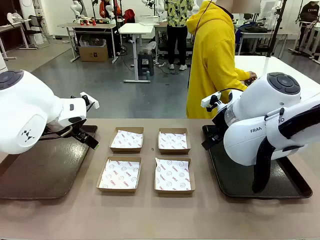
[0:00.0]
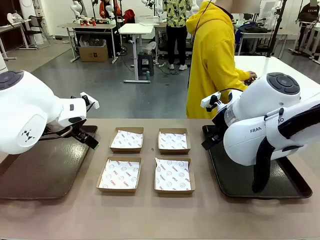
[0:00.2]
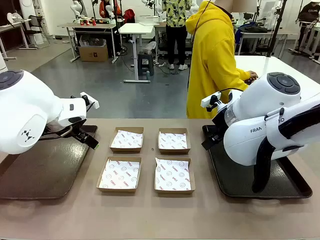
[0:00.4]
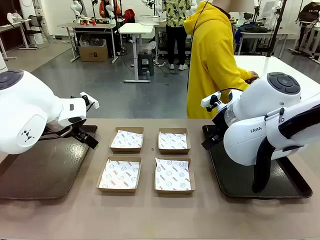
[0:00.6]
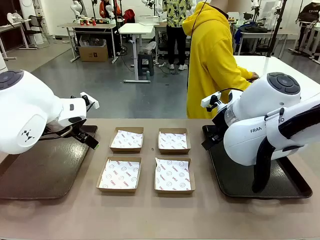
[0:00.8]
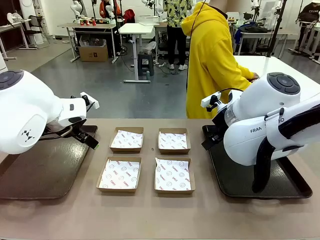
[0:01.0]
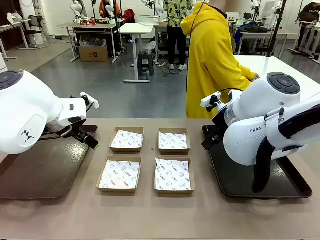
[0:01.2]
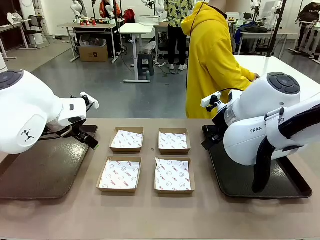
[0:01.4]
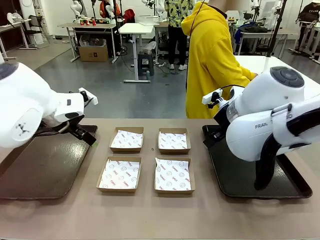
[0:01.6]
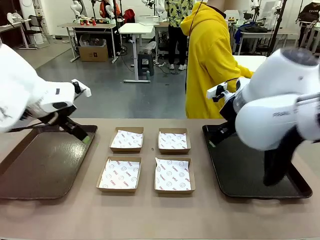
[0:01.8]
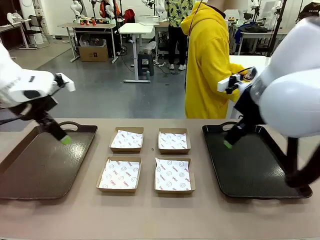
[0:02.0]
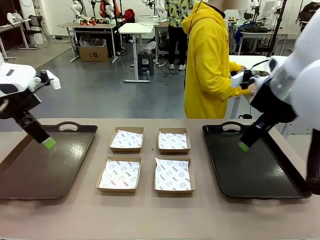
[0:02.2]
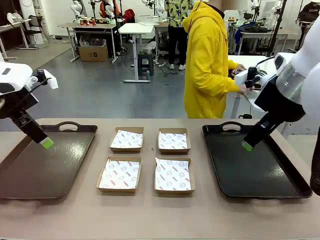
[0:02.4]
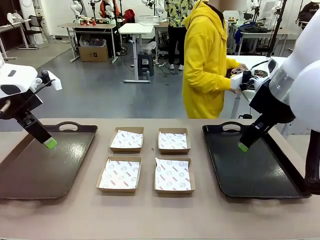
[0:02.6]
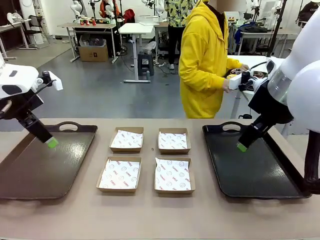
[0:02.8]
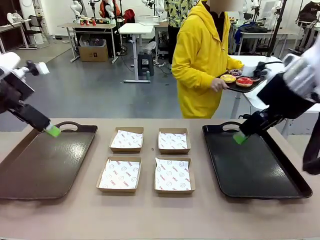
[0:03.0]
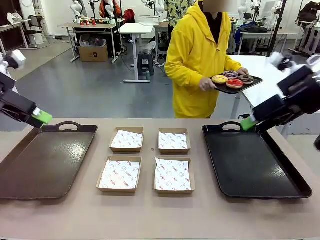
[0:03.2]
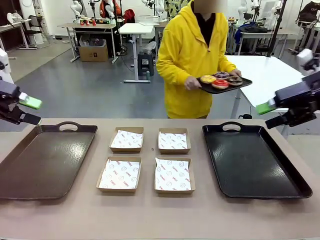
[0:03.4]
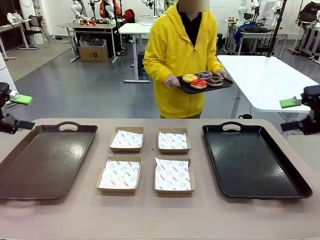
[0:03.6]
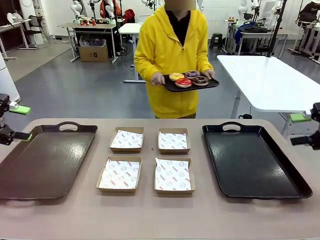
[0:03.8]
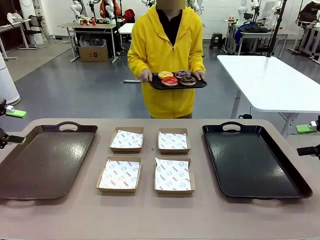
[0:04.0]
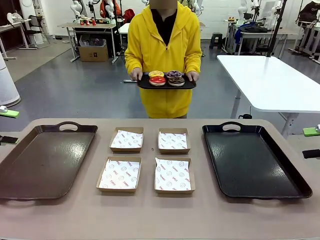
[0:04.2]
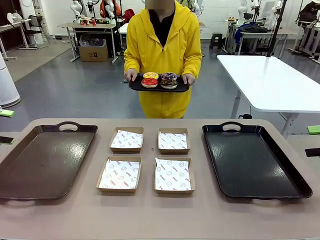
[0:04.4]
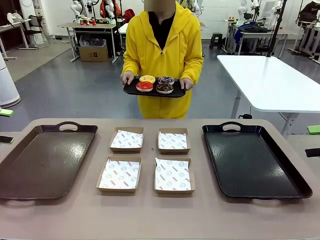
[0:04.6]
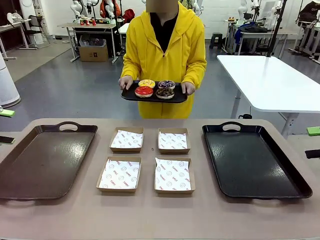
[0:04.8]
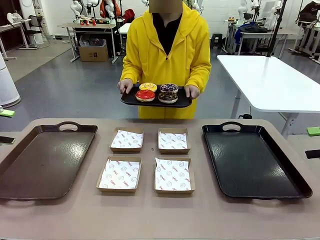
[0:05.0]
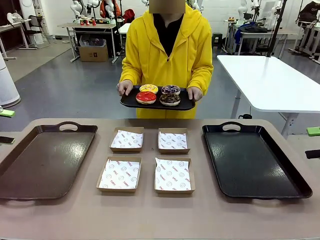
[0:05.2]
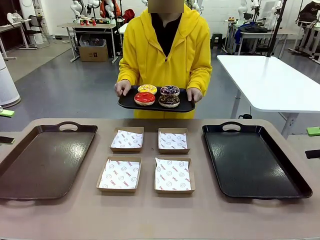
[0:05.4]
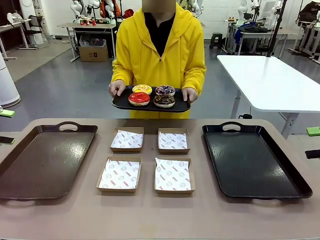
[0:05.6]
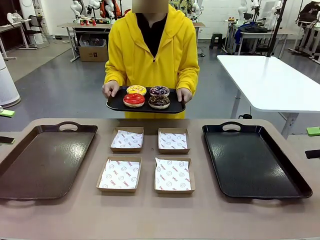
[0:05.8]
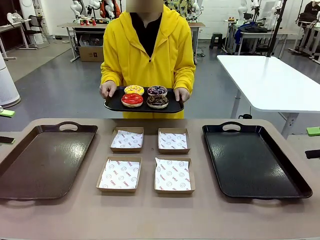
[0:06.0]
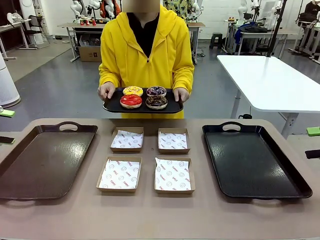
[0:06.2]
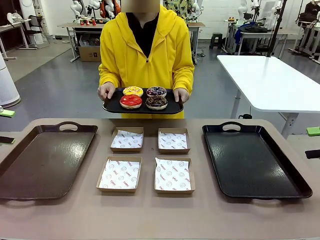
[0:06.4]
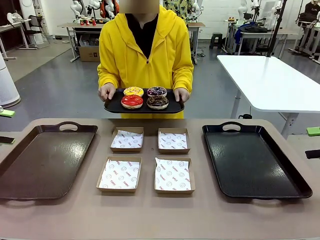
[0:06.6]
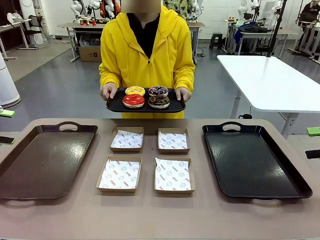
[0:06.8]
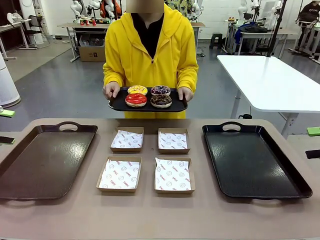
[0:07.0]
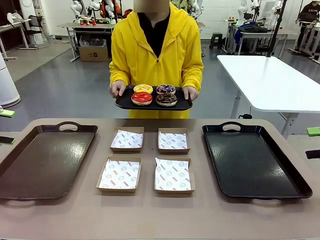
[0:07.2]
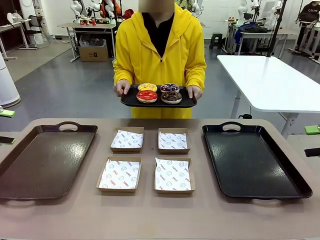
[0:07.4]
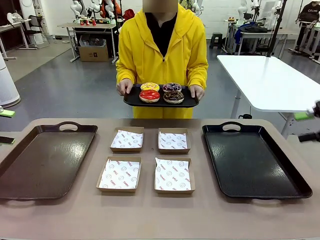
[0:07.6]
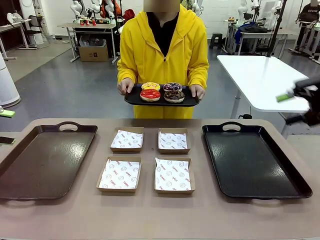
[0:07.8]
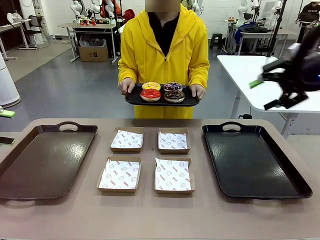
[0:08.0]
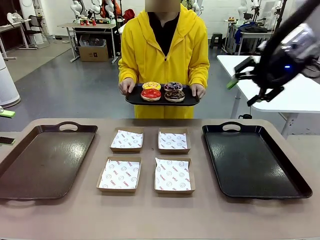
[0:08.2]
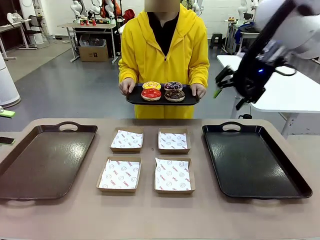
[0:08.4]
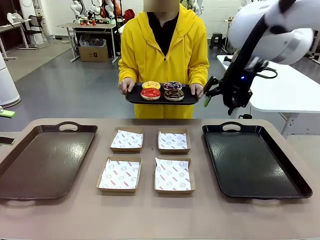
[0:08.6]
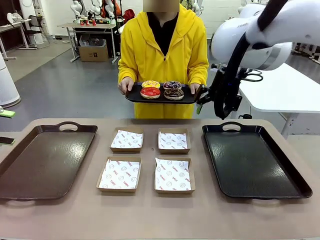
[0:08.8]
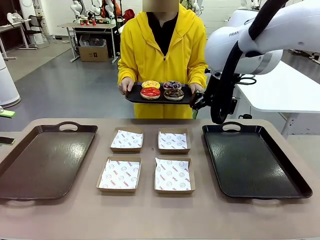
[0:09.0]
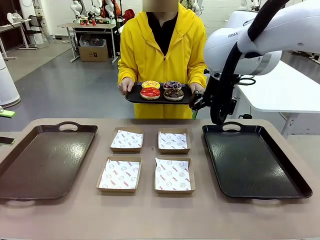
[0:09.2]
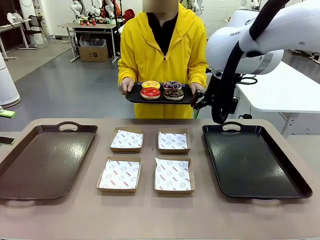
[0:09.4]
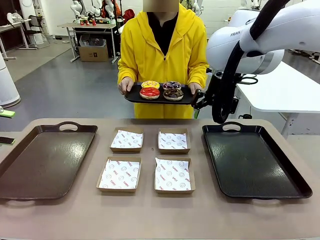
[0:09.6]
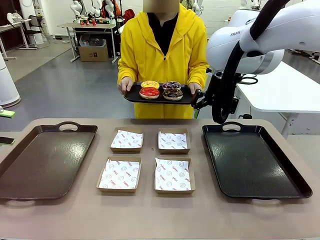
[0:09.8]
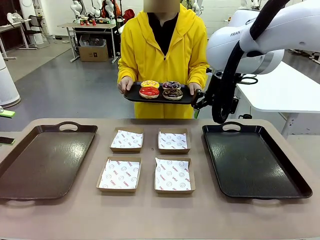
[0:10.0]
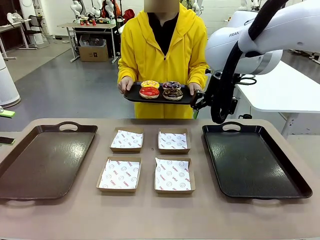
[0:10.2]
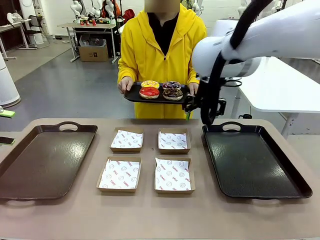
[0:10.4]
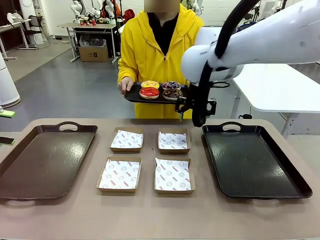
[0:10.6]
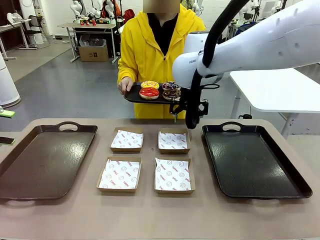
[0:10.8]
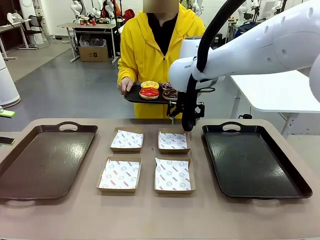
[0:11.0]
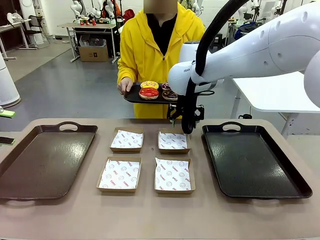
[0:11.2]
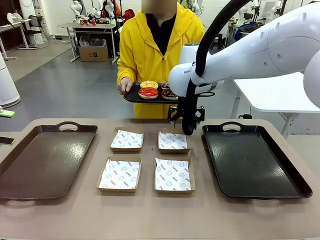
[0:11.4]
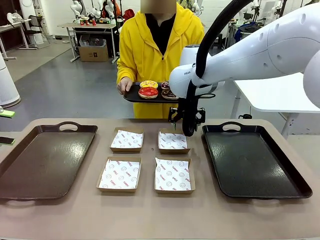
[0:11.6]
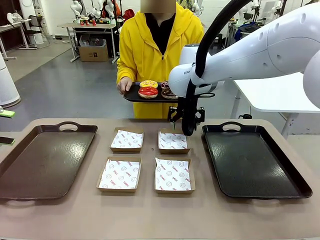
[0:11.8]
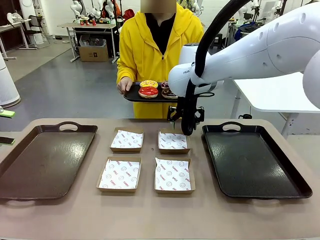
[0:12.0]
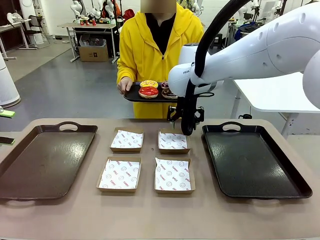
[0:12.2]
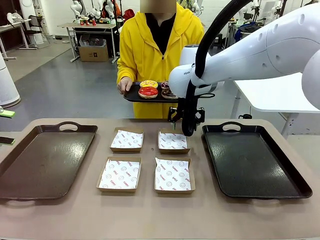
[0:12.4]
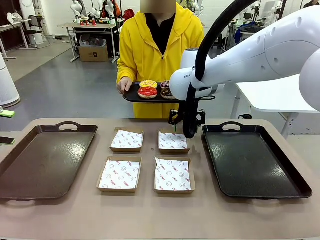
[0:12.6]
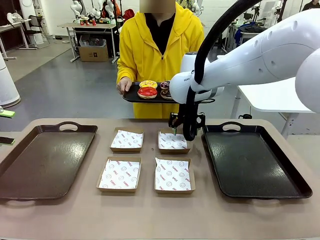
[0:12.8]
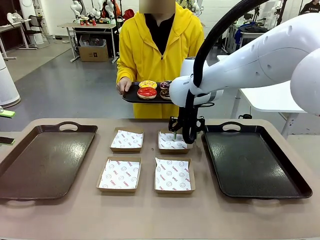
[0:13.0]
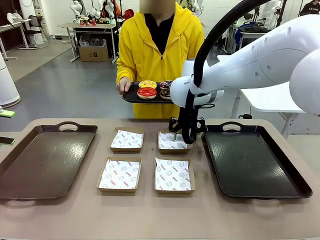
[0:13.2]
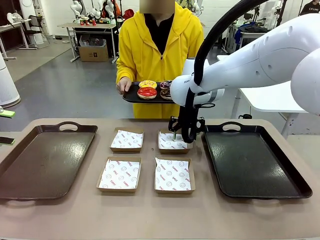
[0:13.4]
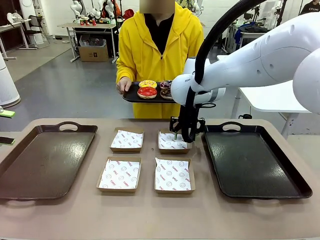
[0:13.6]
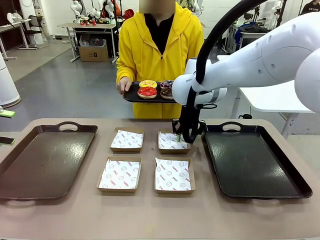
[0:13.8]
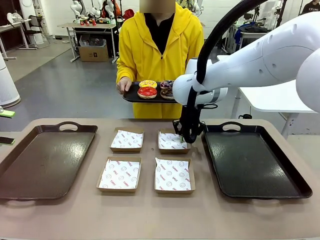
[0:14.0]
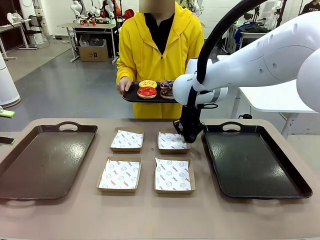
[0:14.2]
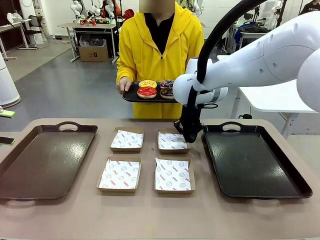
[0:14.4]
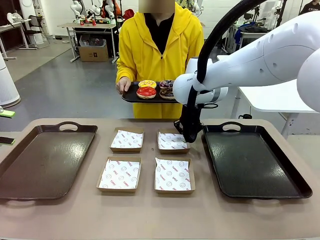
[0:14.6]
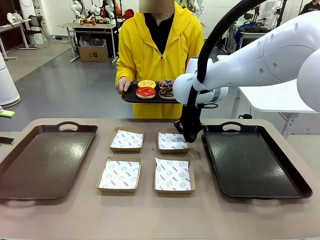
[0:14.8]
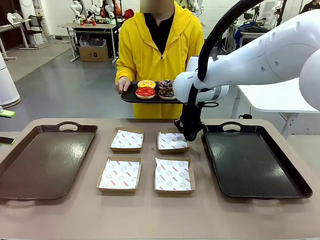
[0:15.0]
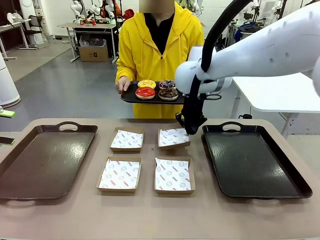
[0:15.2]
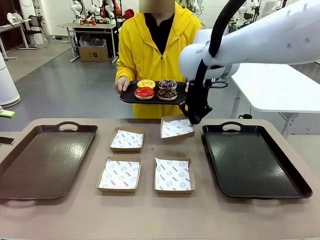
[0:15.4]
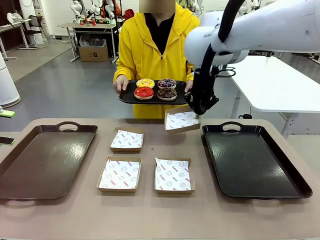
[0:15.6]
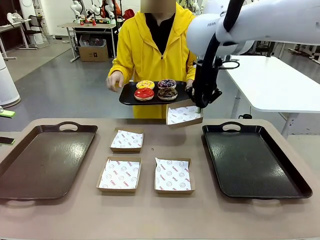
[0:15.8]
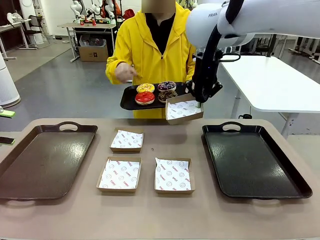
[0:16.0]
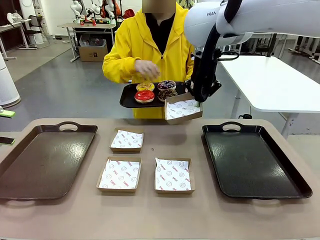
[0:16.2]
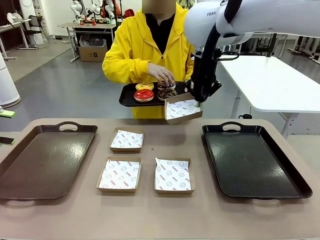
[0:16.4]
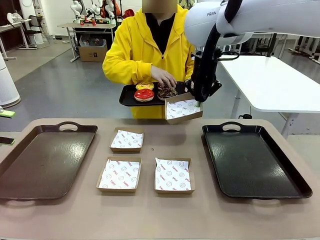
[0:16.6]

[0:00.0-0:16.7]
Task: Individually package the donuts and arrange them on the tray.
Robot: Pick up one Paper togo box.
Person: Stand in front of the robot table holding the tray containing the donuts.
